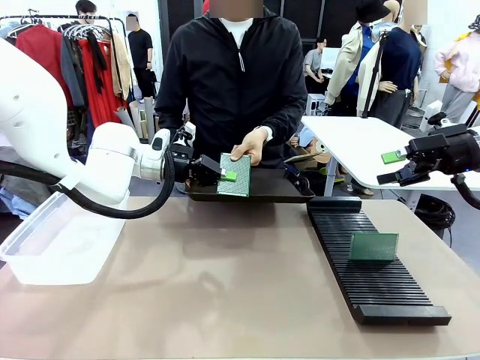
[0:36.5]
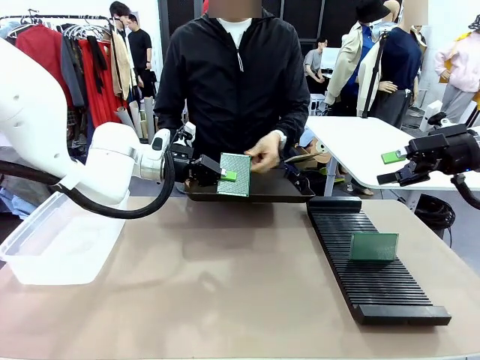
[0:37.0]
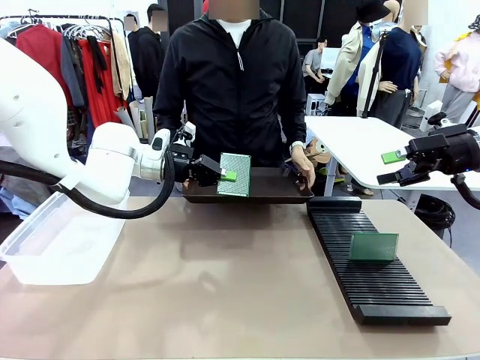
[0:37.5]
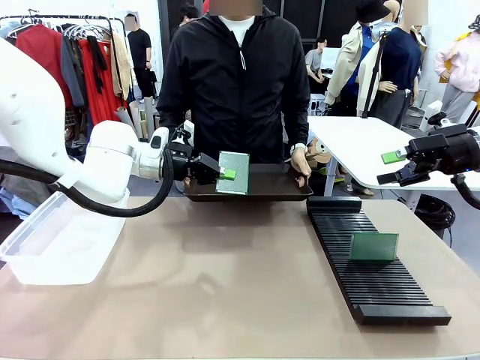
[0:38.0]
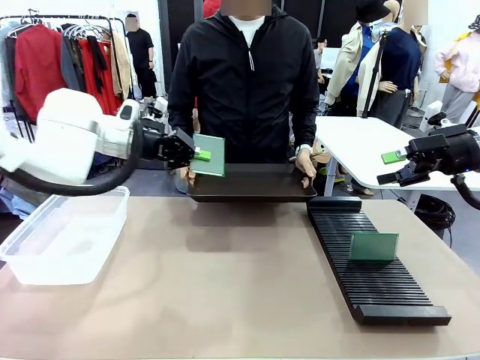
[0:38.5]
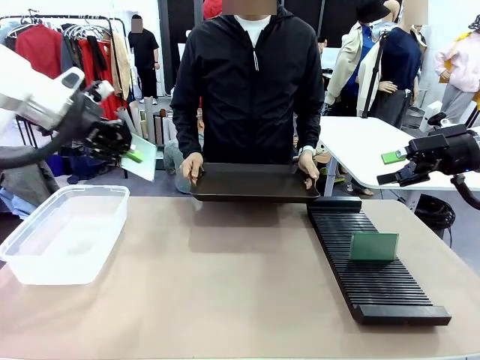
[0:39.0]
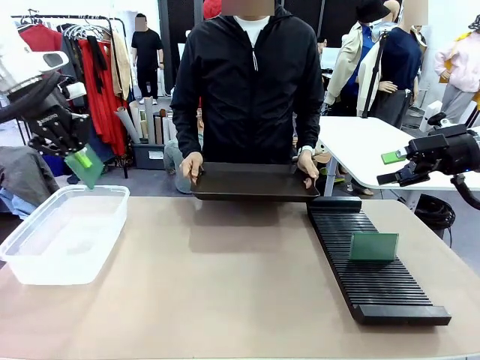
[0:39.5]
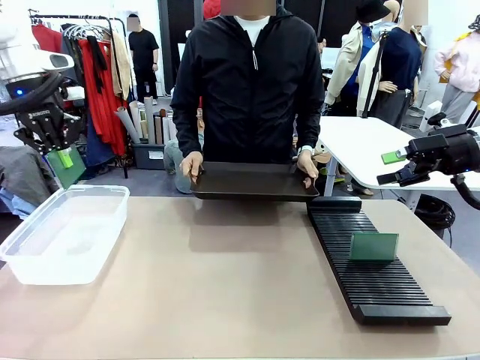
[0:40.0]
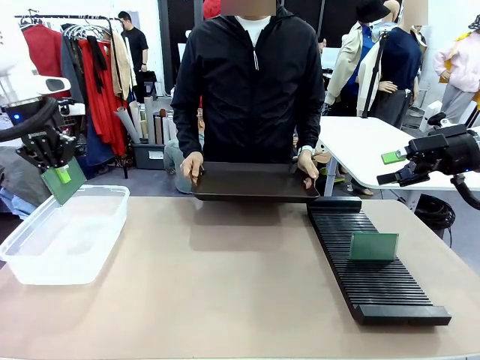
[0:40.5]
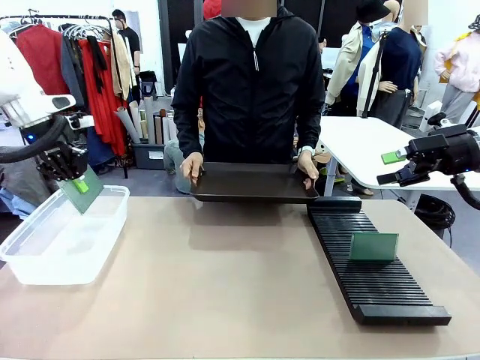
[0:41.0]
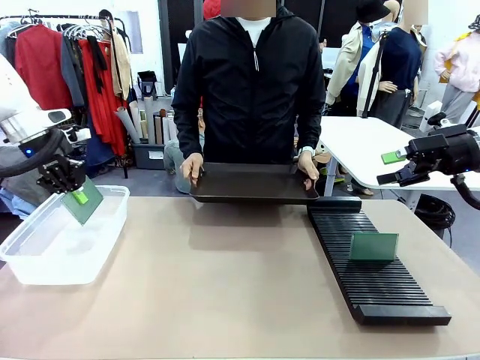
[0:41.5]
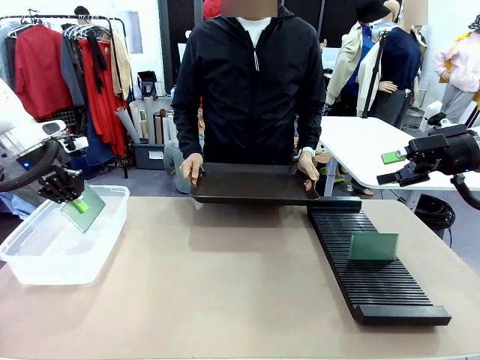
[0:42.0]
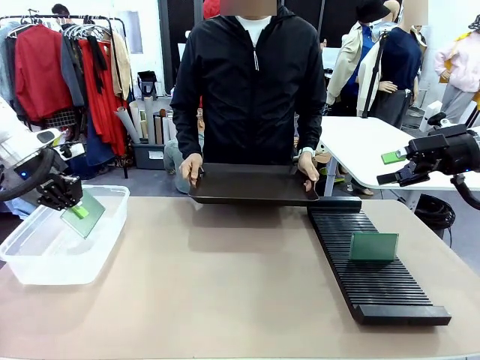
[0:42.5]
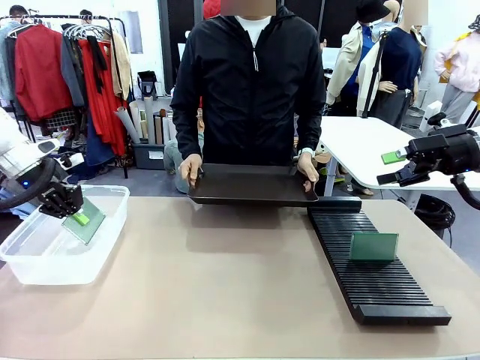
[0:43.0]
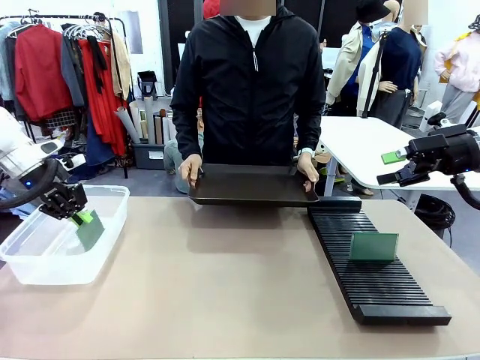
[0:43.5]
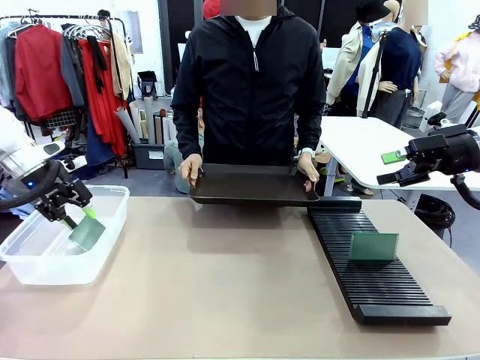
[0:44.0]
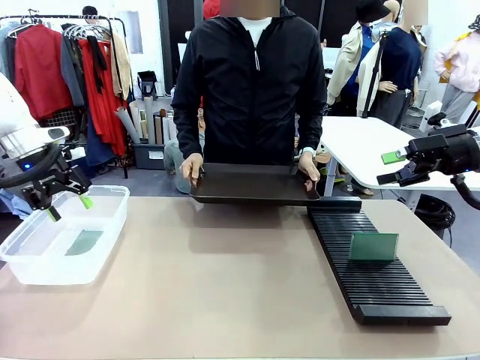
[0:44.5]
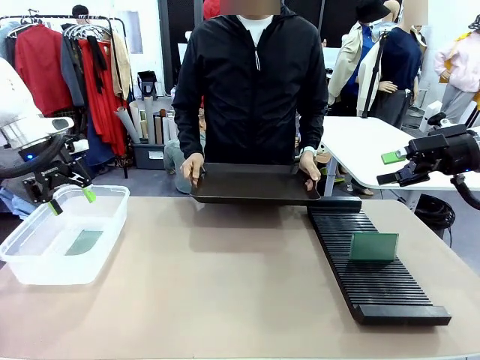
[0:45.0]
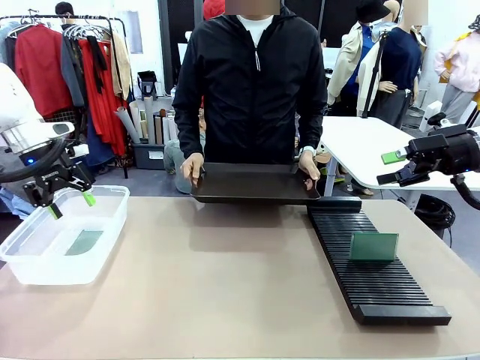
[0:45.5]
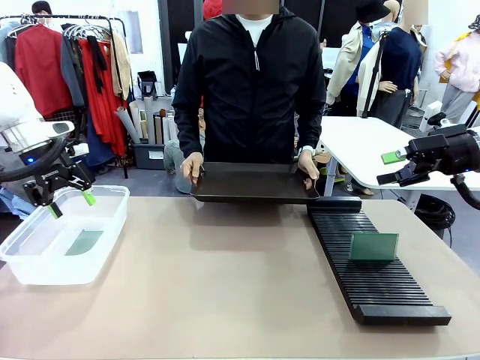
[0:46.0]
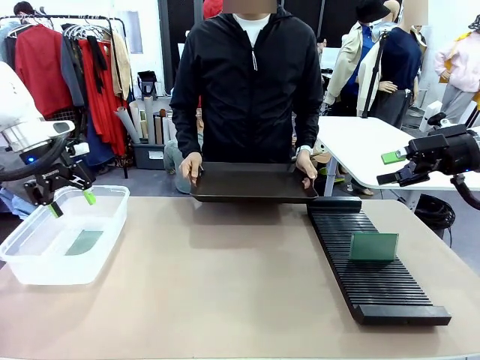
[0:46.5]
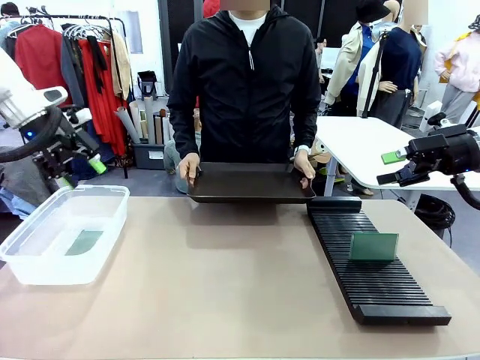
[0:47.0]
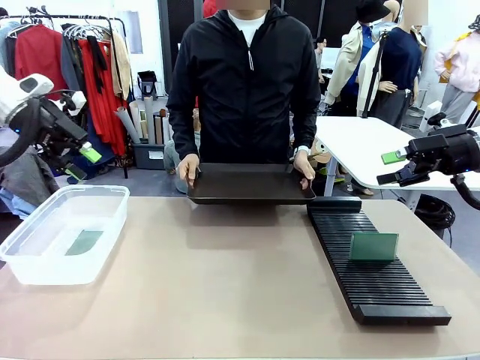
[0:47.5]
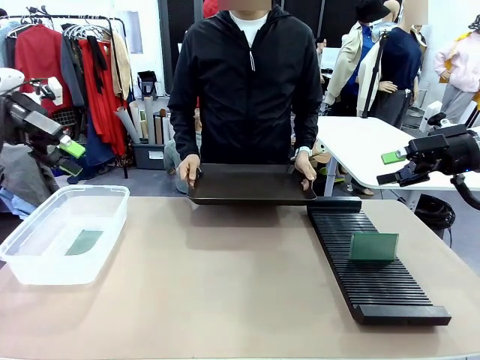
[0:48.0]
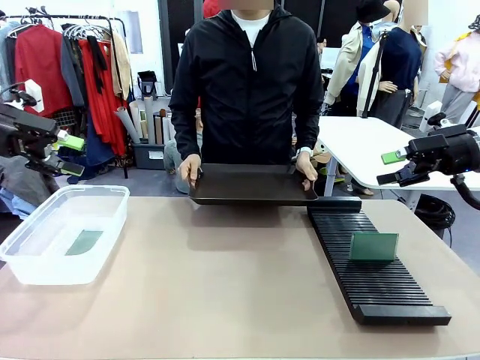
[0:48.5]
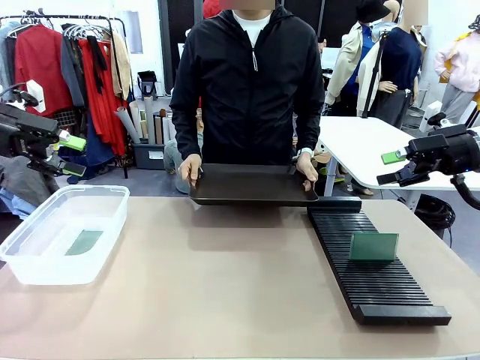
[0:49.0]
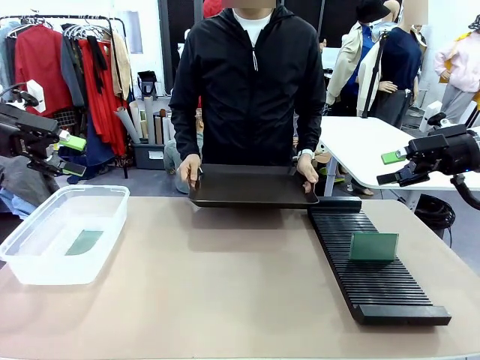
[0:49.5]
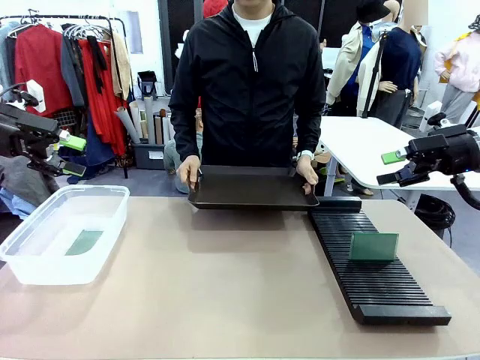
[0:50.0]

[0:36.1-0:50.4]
Task: Sort PCBs into racks and boxes based on the side picked up.
Robot: If the short side of the Blank PCB is picked up, insert it into the PCB Rack ; if the long side is picked up, place it in the Organizing box.
Person: Release the PCB being held.

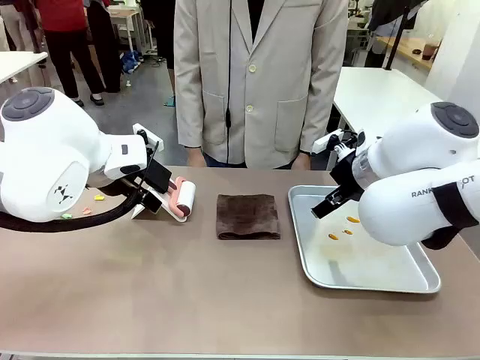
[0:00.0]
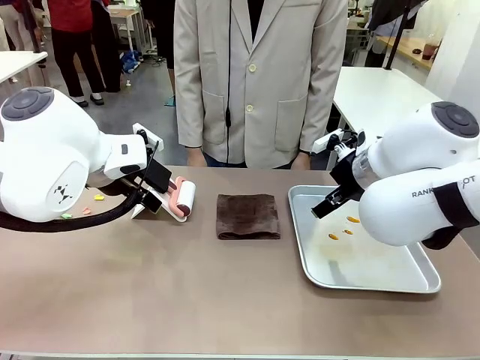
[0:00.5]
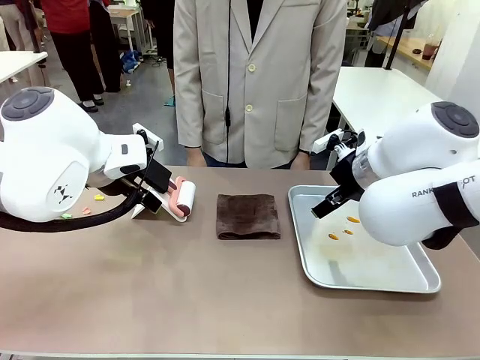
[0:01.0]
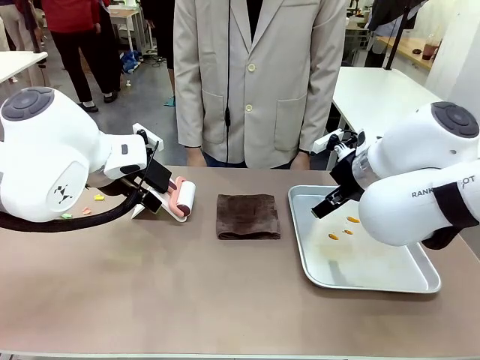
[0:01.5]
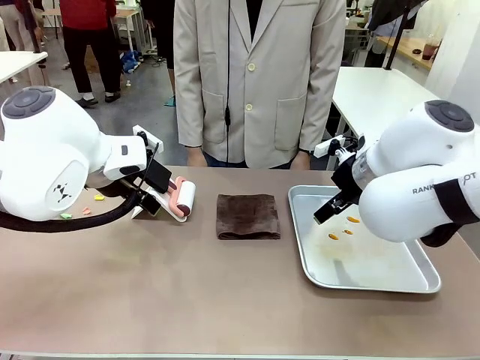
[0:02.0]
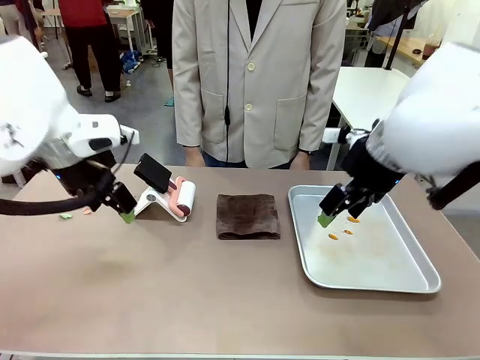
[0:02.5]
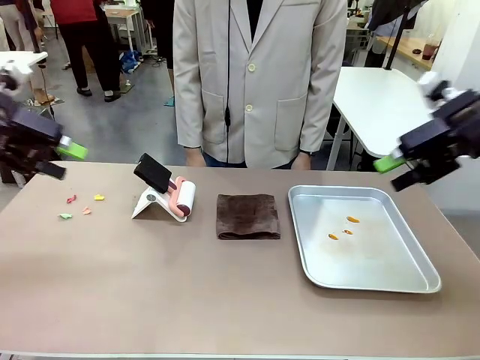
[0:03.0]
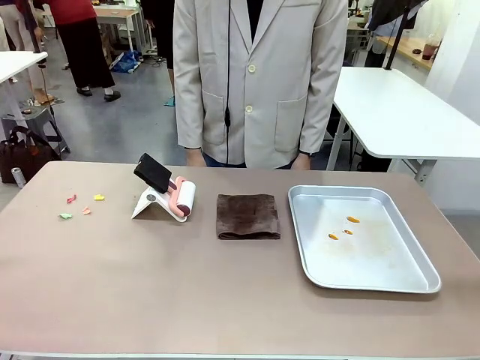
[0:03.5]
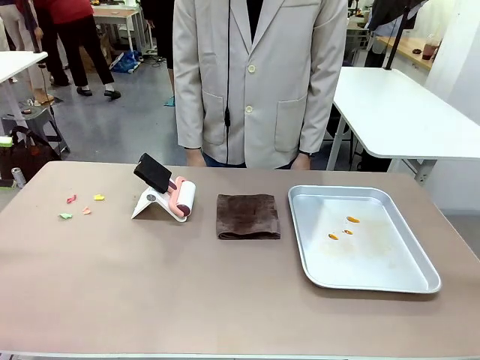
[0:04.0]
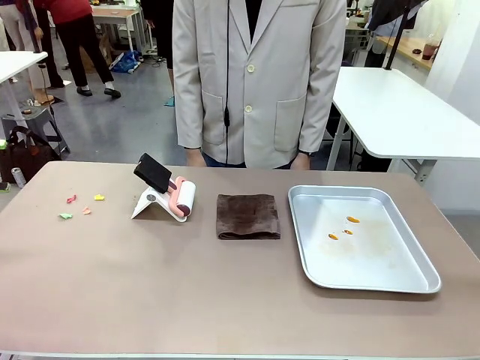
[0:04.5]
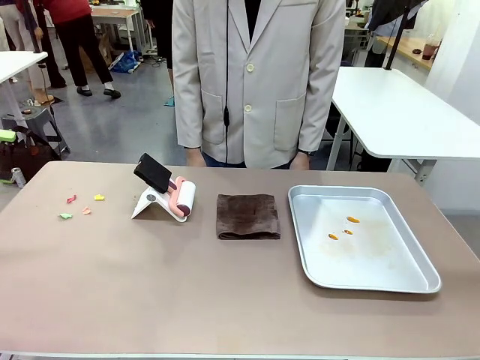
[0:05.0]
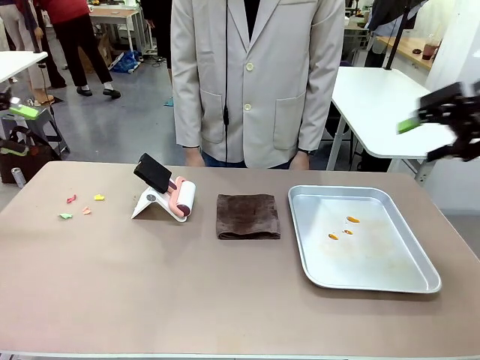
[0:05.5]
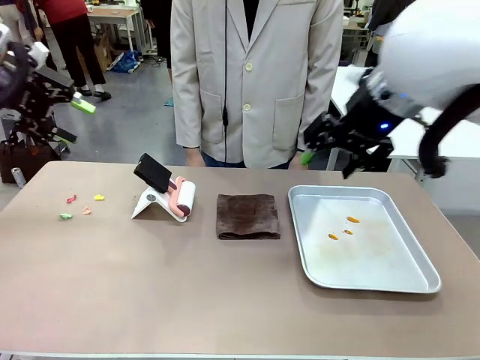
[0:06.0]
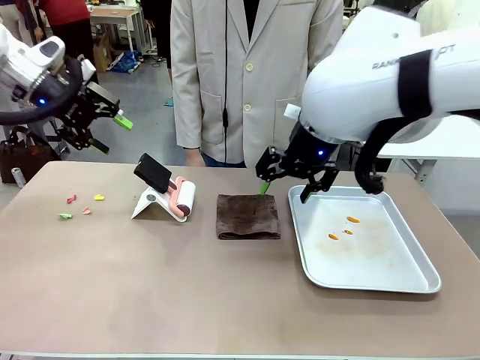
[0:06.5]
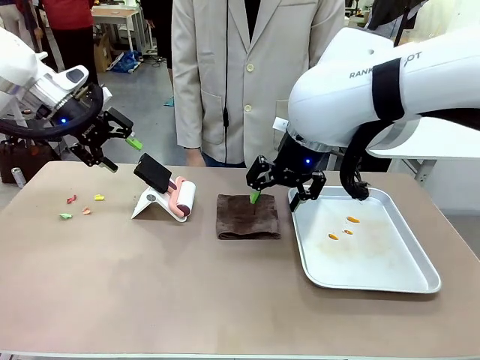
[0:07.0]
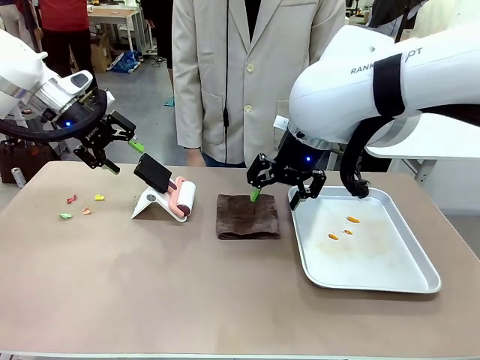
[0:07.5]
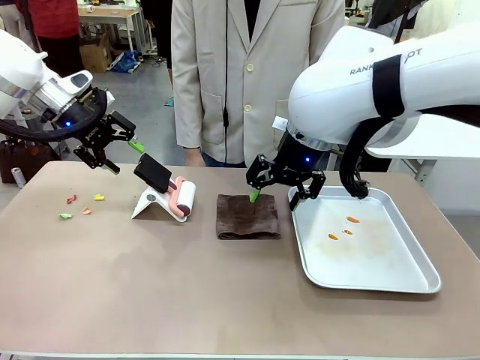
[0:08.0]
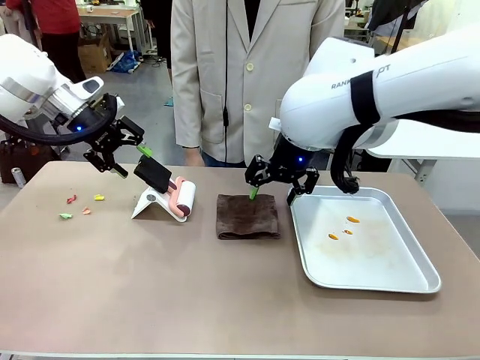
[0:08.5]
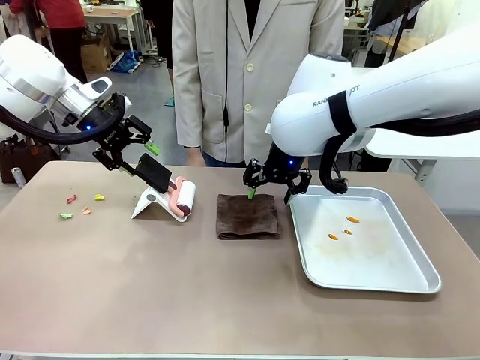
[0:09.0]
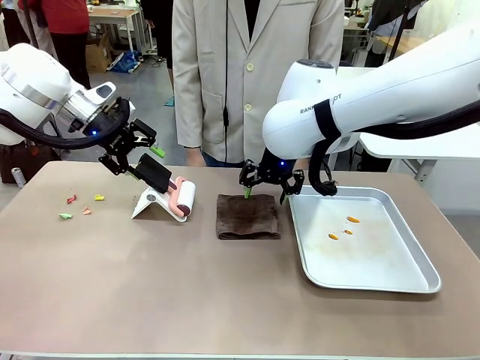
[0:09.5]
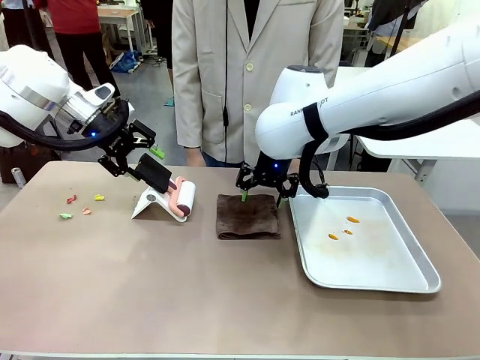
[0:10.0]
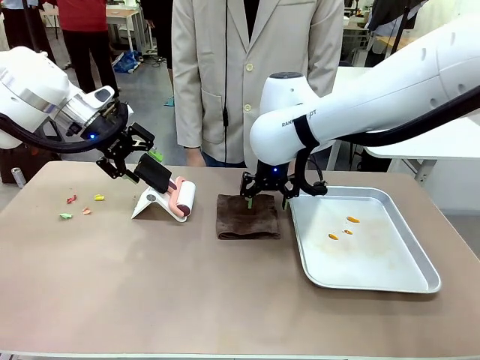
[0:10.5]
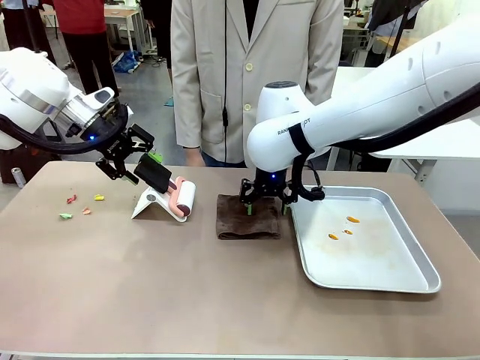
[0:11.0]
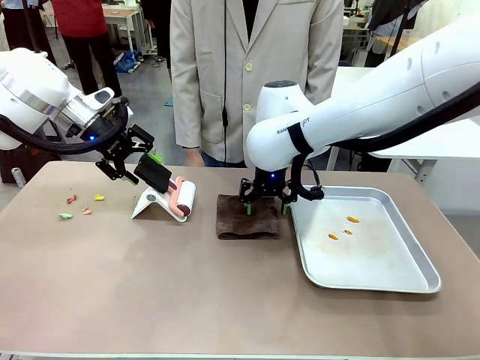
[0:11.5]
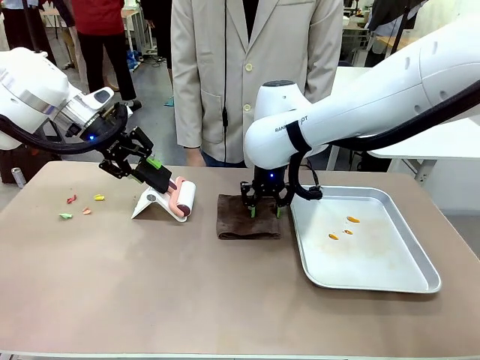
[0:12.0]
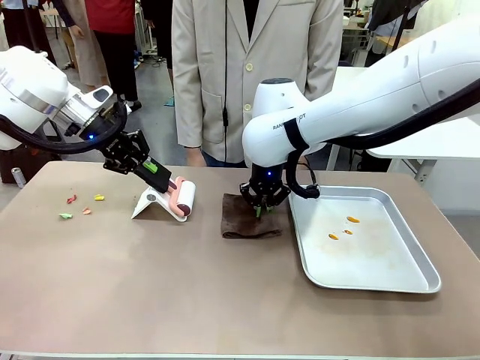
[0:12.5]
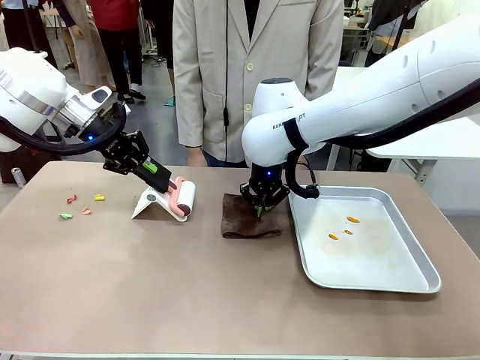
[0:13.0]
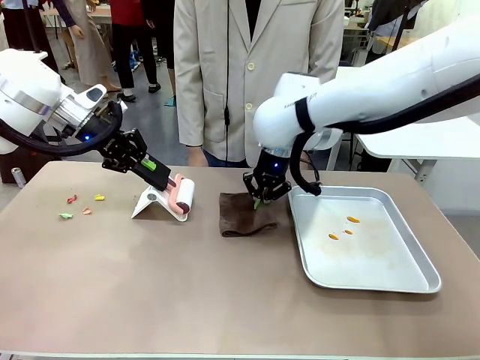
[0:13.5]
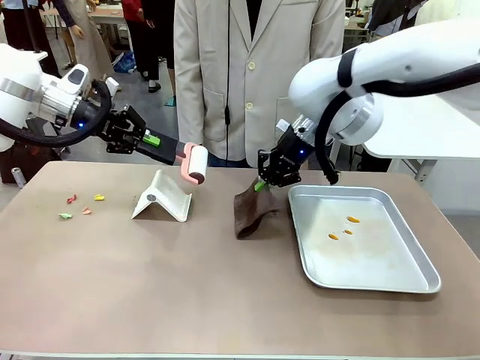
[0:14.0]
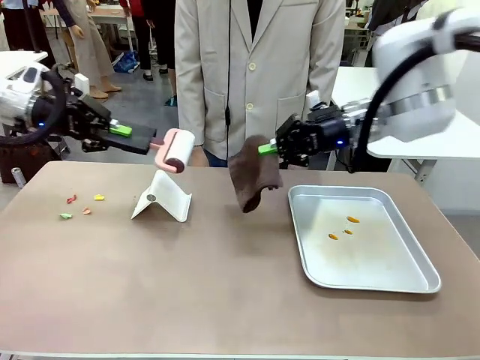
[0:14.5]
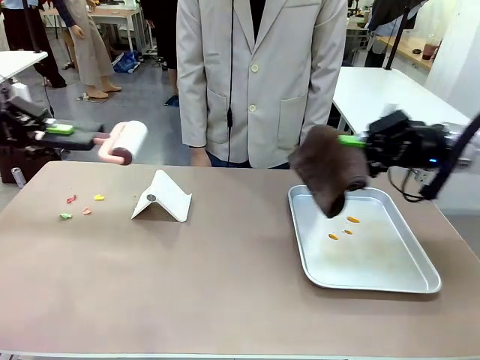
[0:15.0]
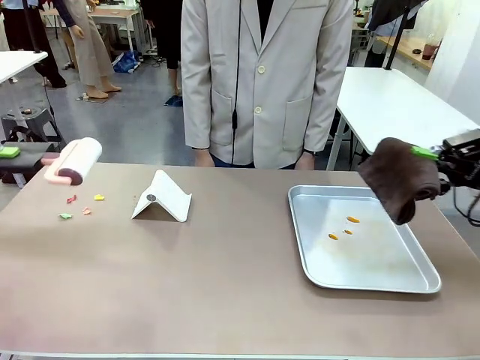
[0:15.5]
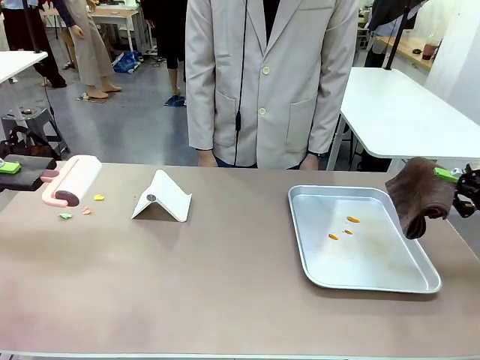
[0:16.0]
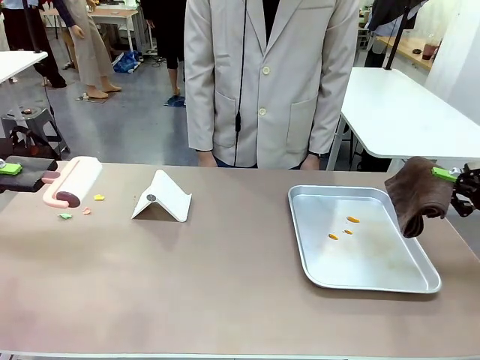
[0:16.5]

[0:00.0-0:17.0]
Task: Clean the surface of the table.
Robot: Hold the Lint Roller with your left hand and the towel with your right hand.
